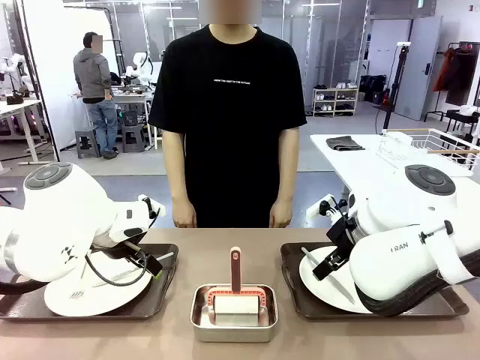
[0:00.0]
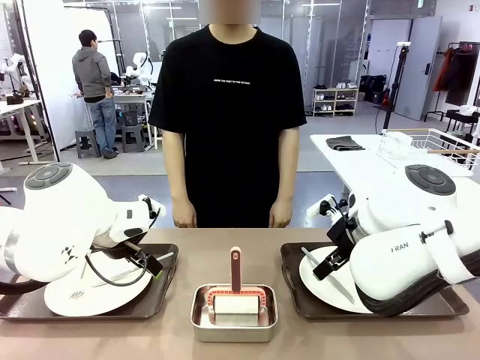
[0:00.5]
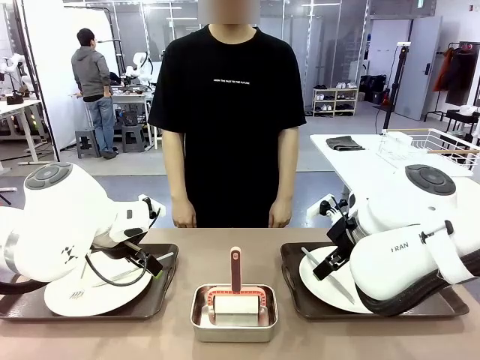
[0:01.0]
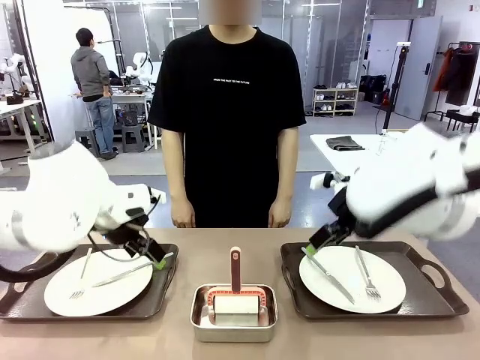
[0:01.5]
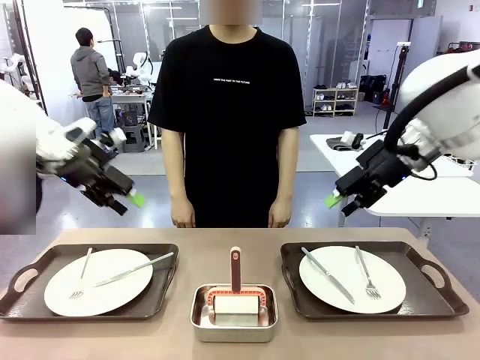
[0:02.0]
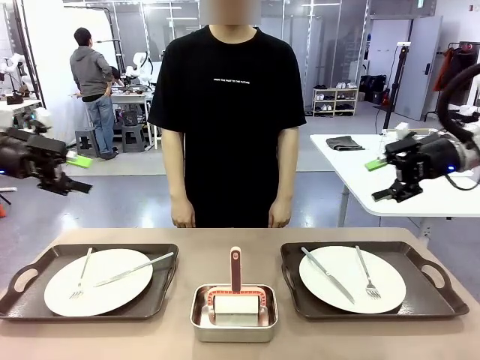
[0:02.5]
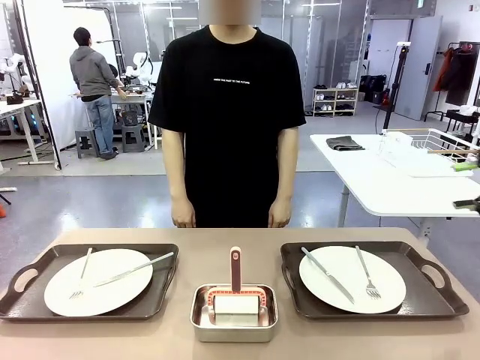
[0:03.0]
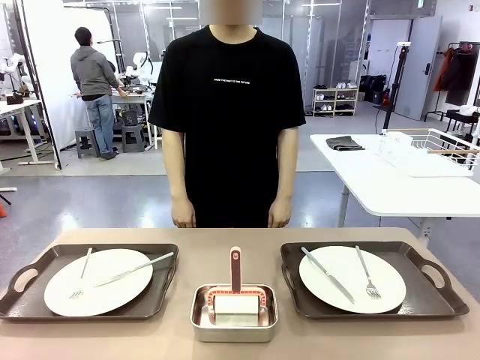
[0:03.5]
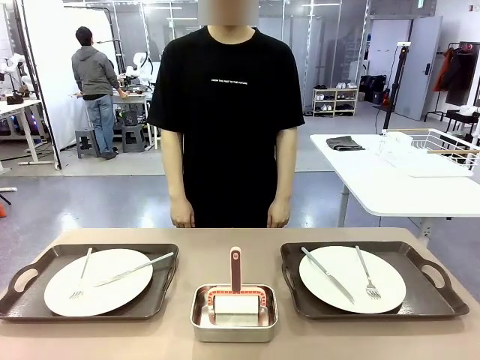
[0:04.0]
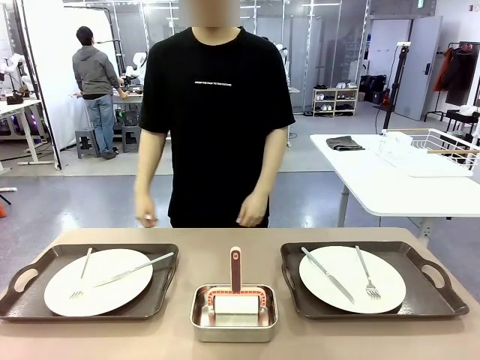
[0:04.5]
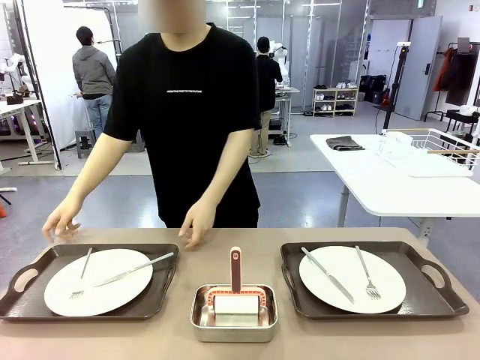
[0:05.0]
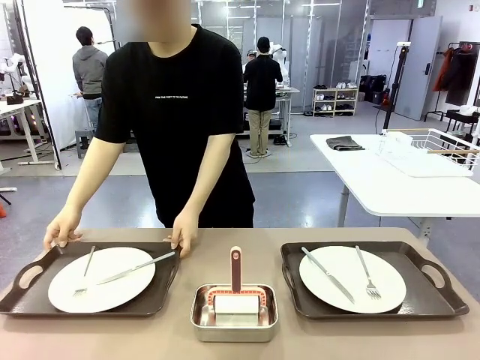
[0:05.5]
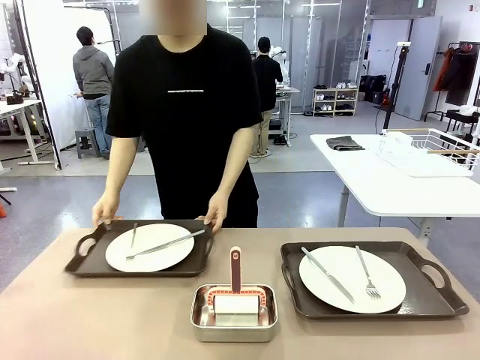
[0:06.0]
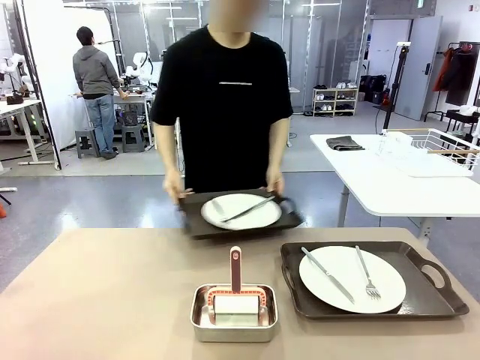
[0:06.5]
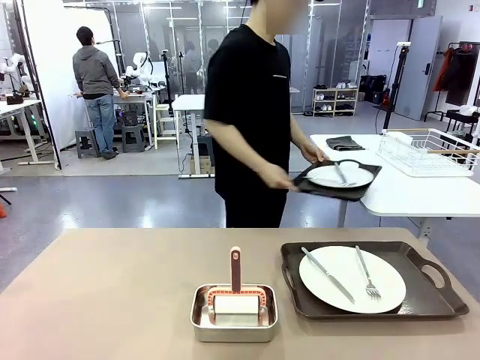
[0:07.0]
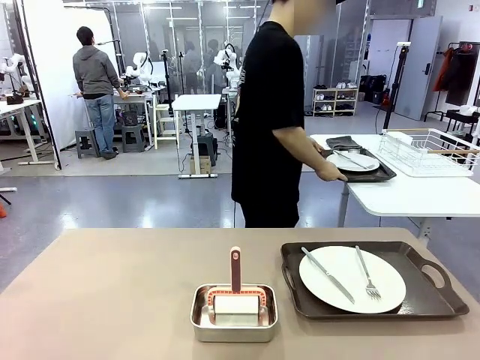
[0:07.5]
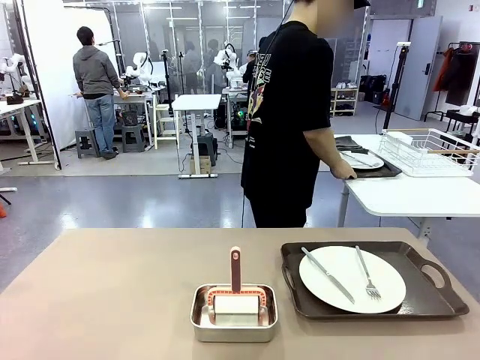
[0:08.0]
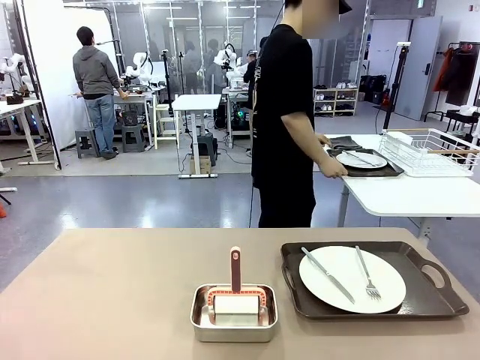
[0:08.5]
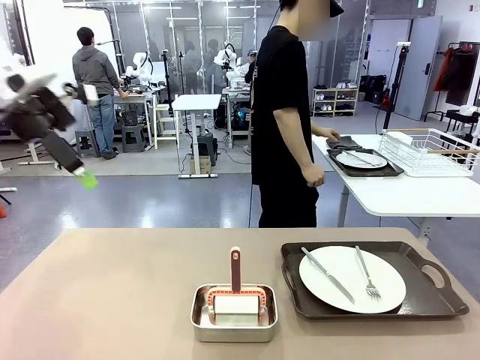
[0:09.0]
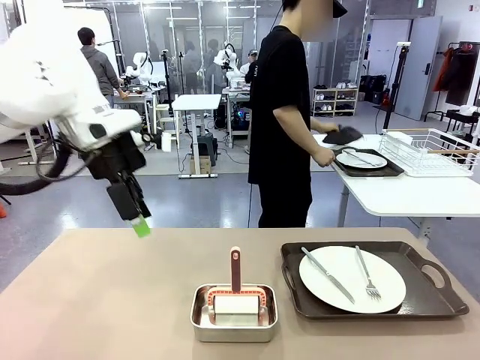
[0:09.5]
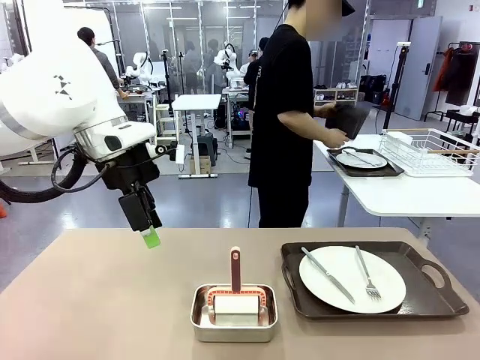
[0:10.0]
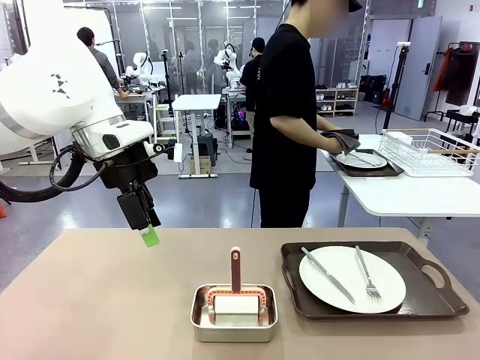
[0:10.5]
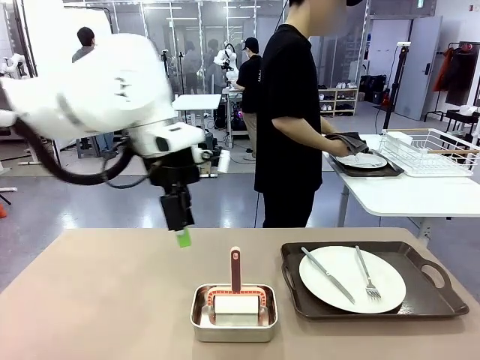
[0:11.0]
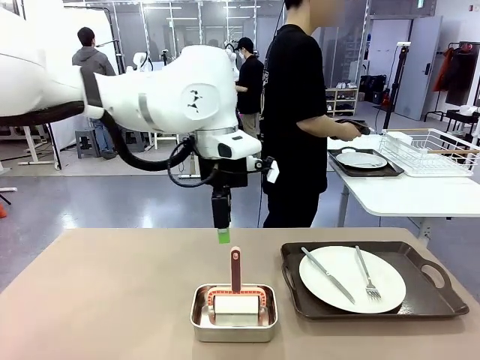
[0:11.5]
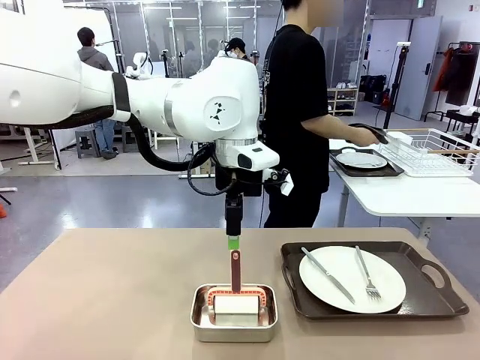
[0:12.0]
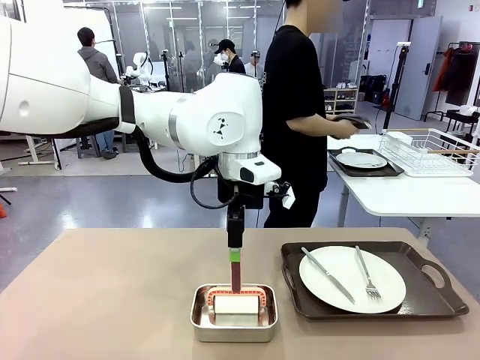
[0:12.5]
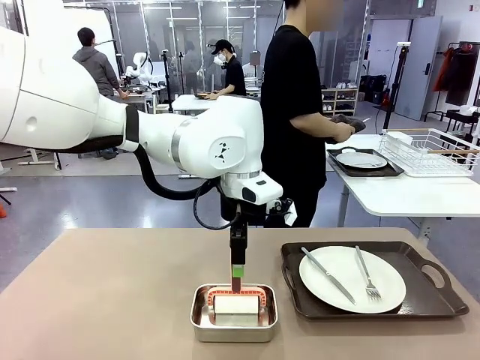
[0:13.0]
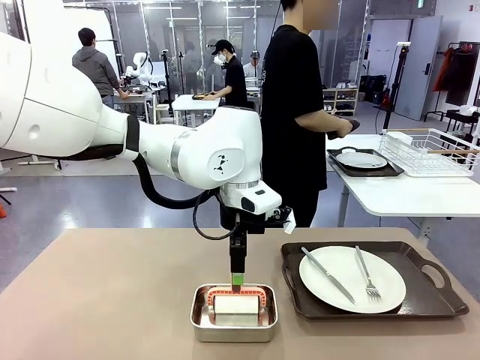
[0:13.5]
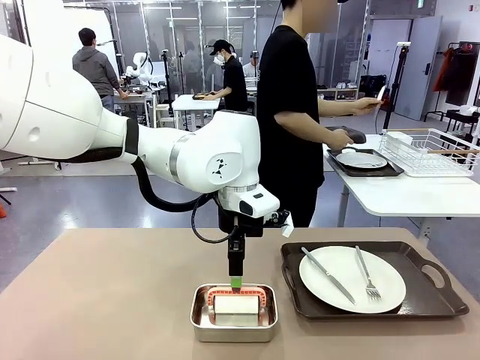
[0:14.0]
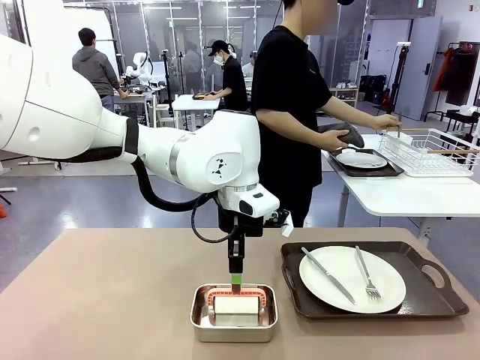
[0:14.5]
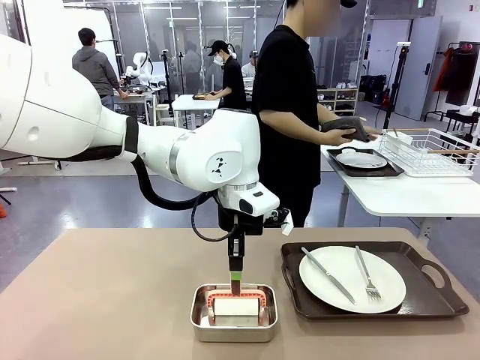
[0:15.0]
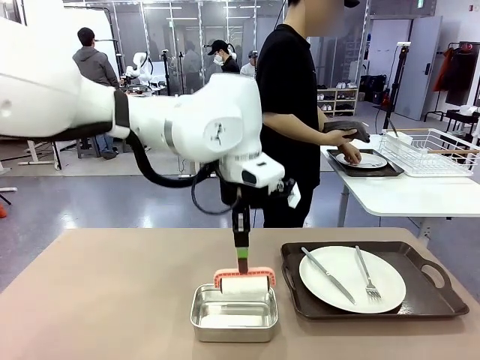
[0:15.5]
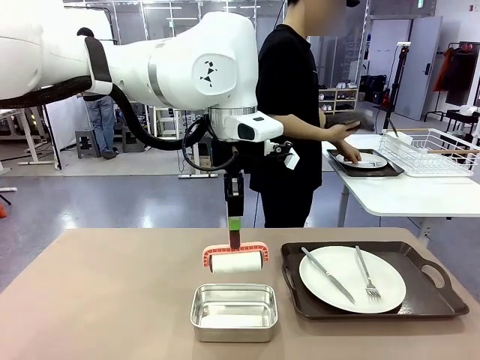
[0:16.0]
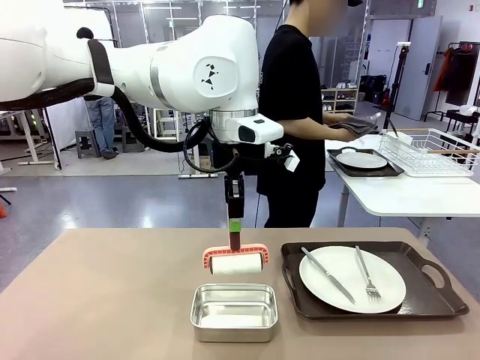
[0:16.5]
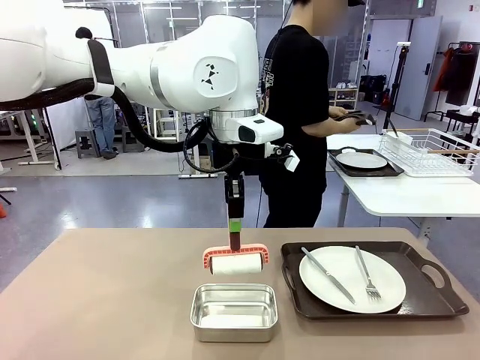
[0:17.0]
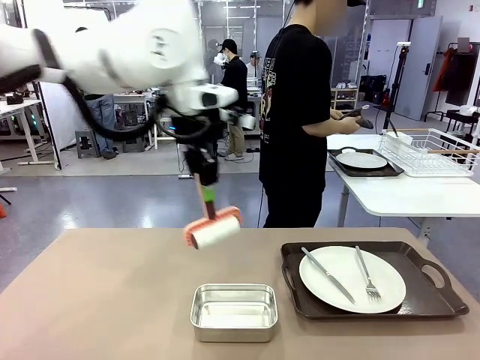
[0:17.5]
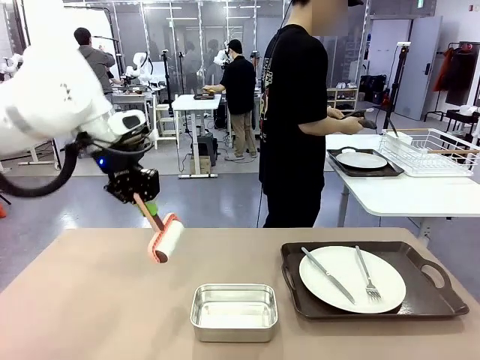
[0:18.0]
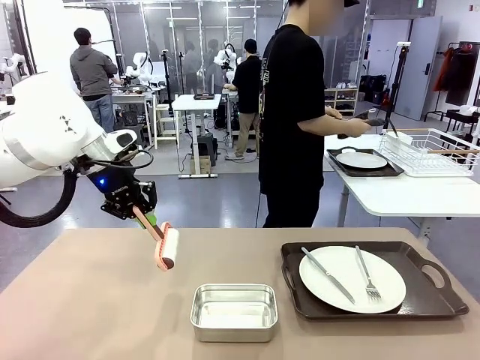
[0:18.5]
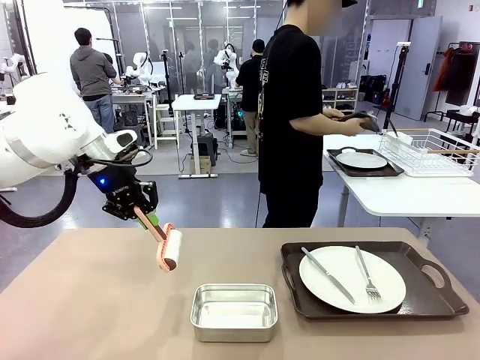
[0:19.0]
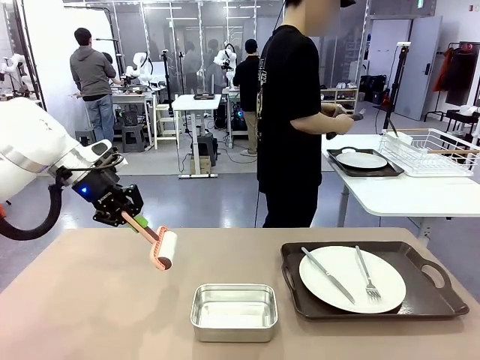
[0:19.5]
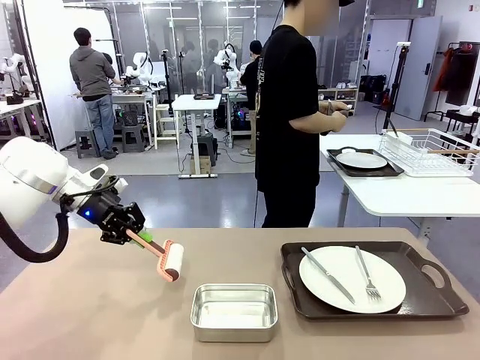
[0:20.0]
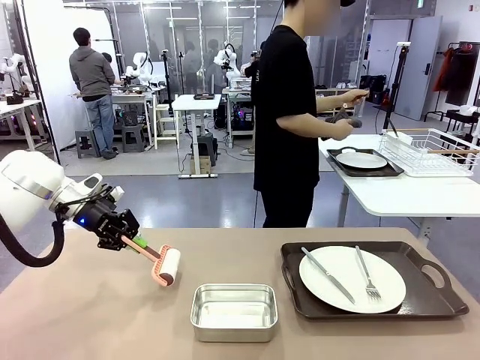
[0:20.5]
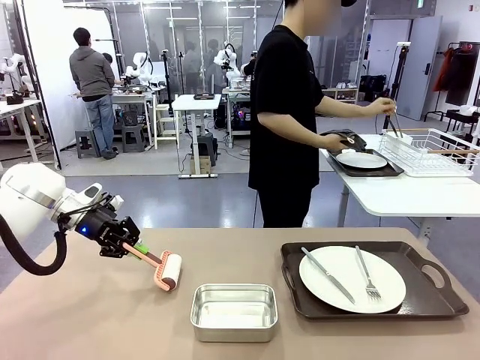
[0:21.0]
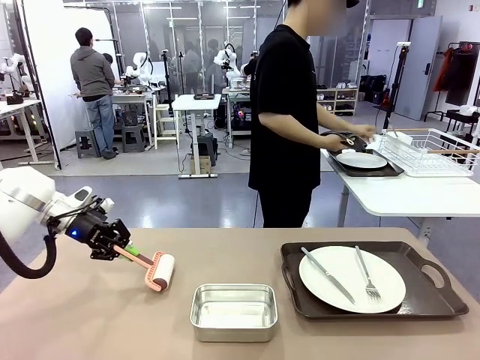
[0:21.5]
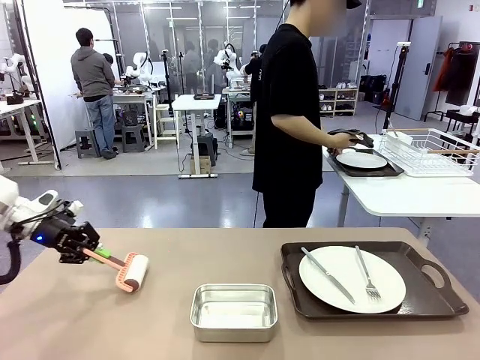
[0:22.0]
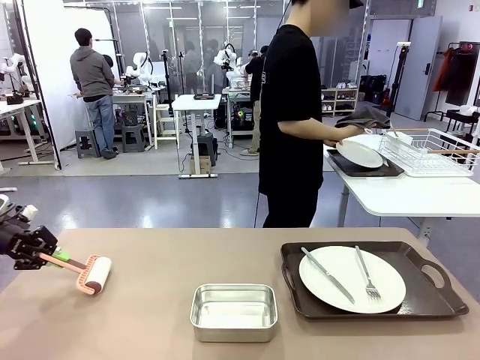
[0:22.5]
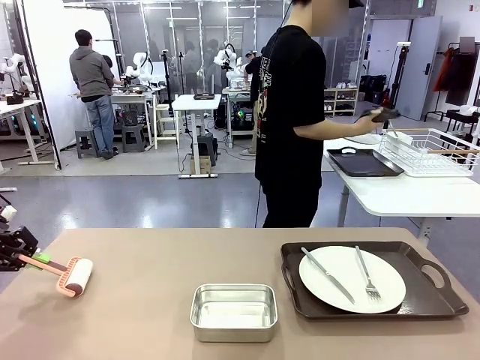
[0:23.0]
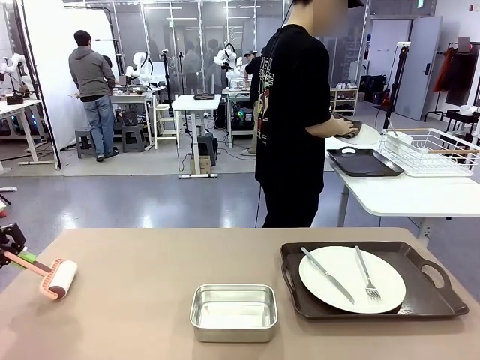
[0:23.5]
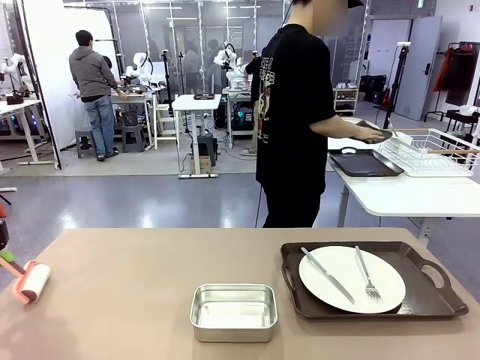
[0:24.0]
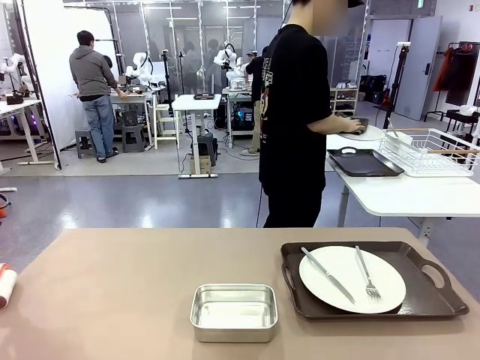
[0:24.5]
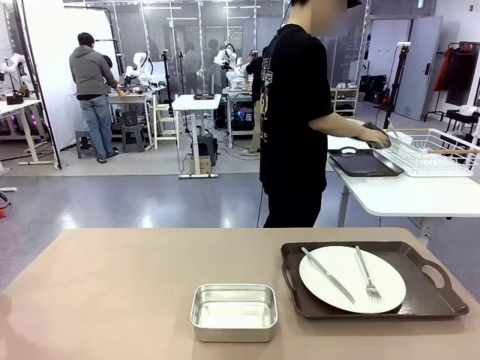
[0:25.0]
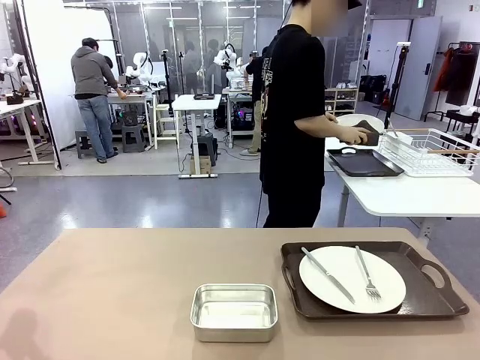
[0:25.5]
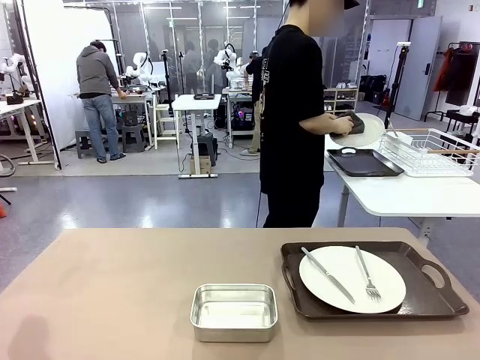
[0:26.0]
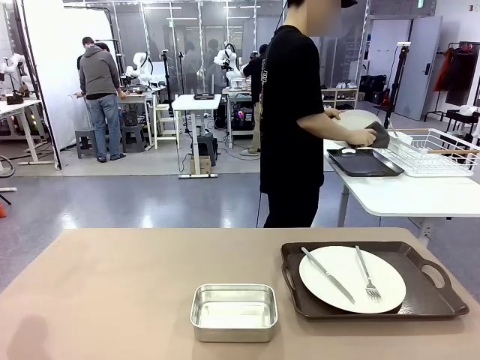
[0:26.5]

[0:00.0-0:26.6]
Robot: When the left (or right) Handle tray is removed, use the left hand (or right hand) to clean the left (or right) side of the table with the Lint Roller.
Person: Pick up the left (or right) Handle tray and place it on the middle of the Human's table. Use the Towel with hook to wipe the Plastic Matte Plate , Fork , and Knife and place into the Dish drying rack.
